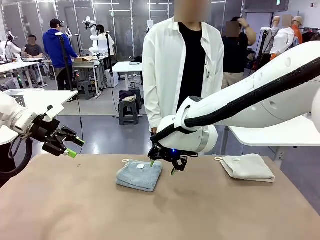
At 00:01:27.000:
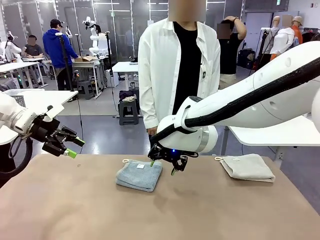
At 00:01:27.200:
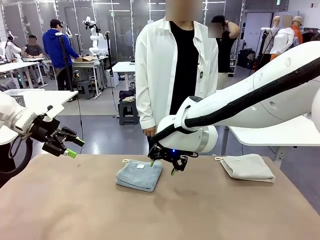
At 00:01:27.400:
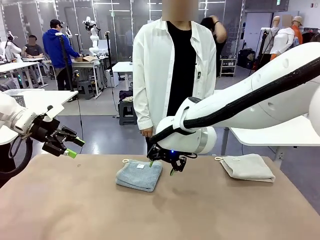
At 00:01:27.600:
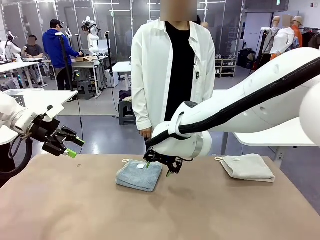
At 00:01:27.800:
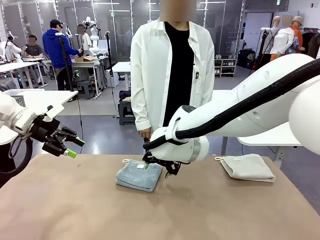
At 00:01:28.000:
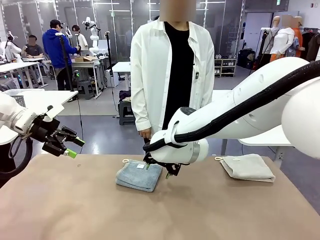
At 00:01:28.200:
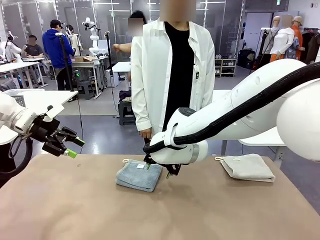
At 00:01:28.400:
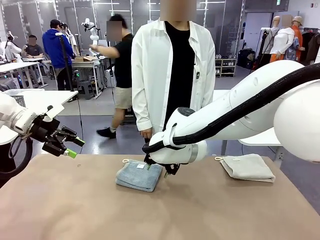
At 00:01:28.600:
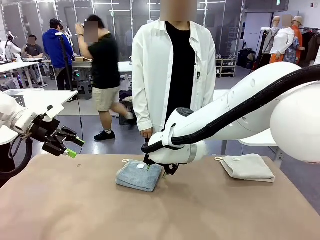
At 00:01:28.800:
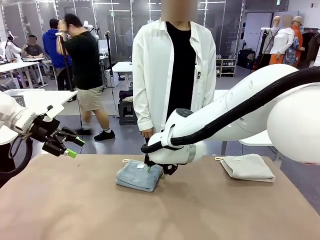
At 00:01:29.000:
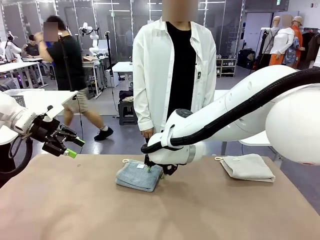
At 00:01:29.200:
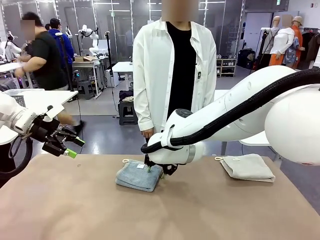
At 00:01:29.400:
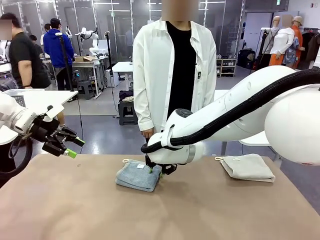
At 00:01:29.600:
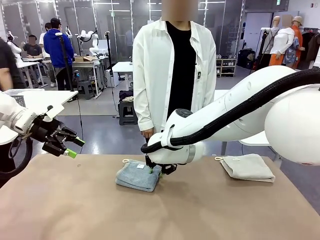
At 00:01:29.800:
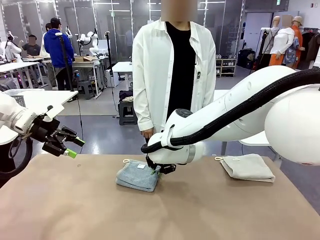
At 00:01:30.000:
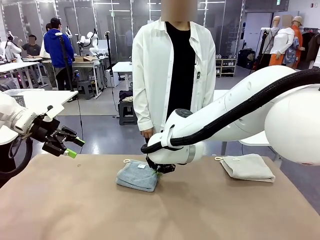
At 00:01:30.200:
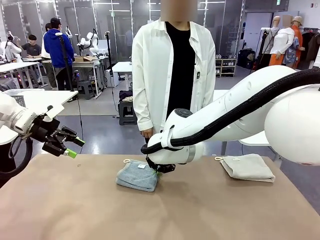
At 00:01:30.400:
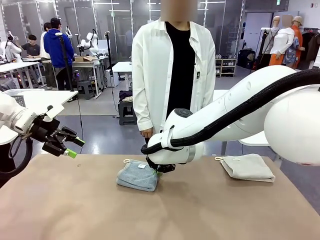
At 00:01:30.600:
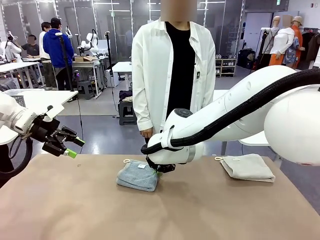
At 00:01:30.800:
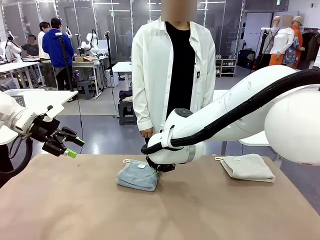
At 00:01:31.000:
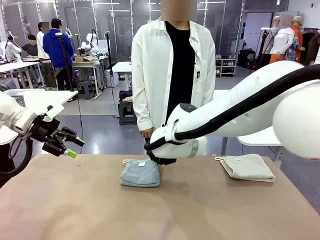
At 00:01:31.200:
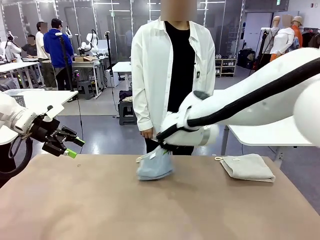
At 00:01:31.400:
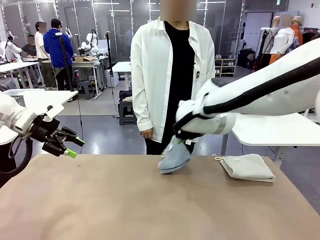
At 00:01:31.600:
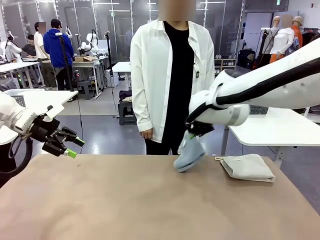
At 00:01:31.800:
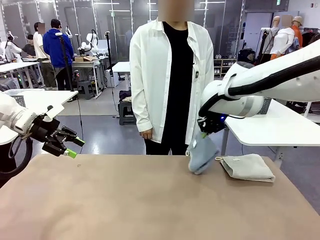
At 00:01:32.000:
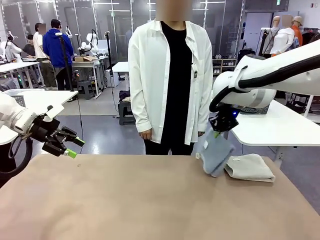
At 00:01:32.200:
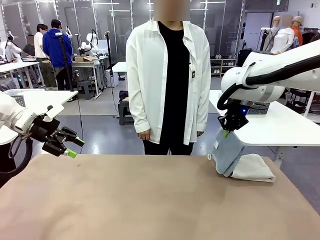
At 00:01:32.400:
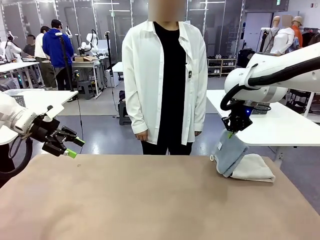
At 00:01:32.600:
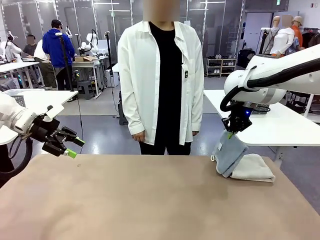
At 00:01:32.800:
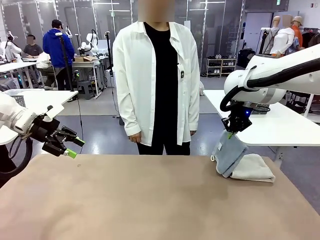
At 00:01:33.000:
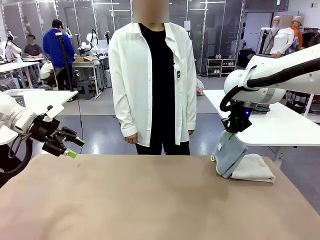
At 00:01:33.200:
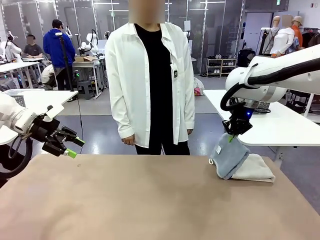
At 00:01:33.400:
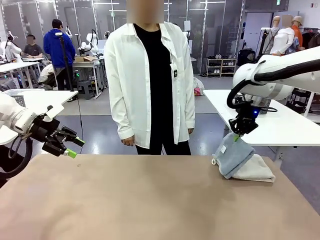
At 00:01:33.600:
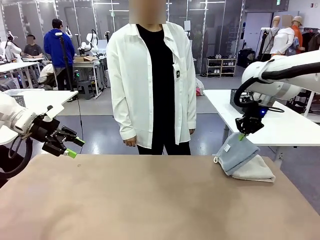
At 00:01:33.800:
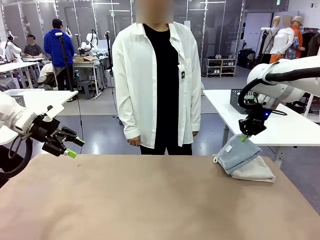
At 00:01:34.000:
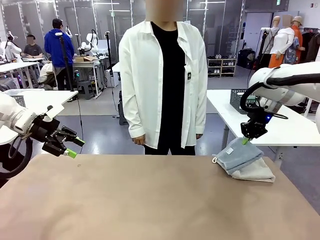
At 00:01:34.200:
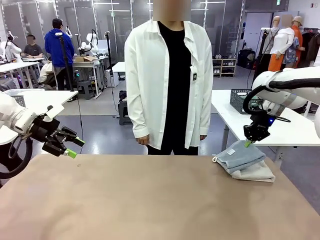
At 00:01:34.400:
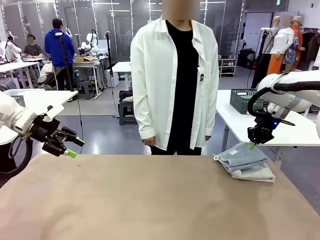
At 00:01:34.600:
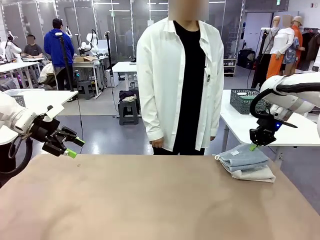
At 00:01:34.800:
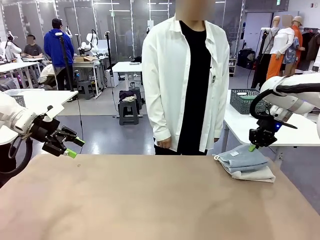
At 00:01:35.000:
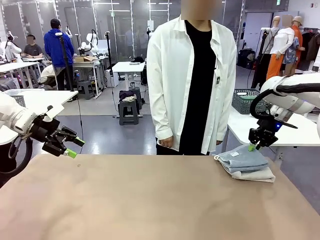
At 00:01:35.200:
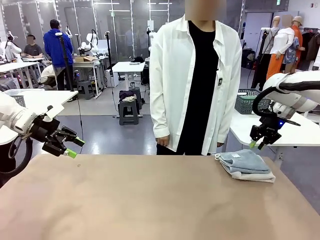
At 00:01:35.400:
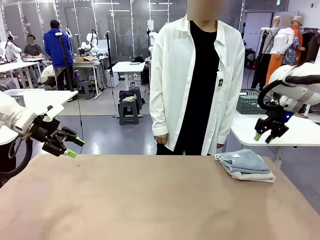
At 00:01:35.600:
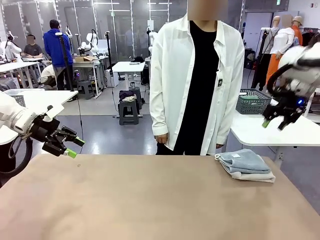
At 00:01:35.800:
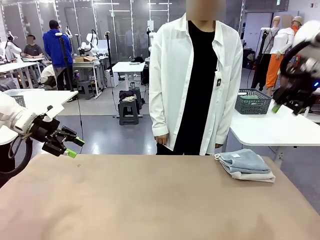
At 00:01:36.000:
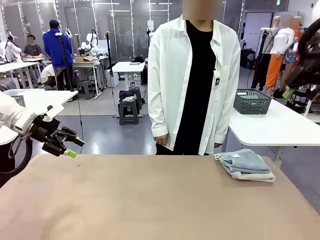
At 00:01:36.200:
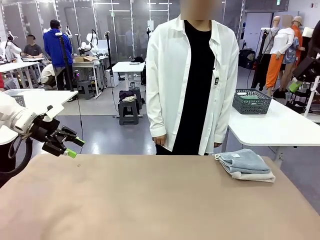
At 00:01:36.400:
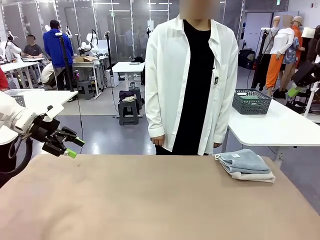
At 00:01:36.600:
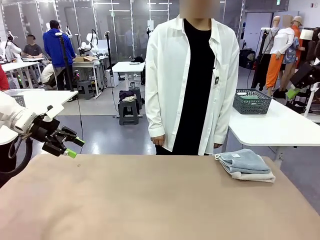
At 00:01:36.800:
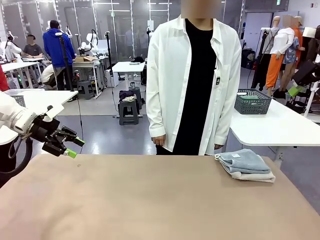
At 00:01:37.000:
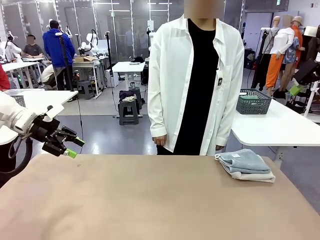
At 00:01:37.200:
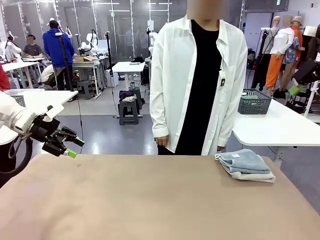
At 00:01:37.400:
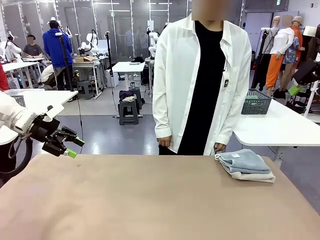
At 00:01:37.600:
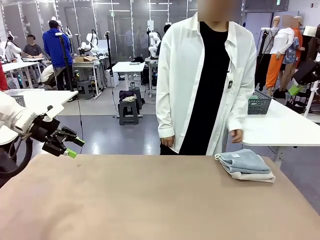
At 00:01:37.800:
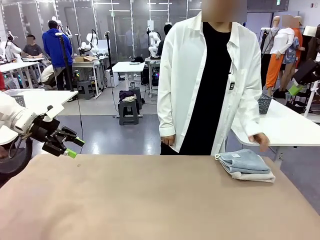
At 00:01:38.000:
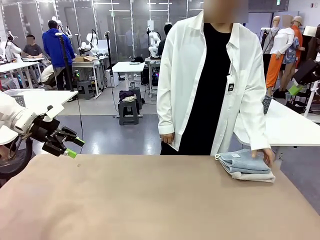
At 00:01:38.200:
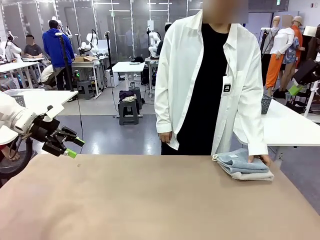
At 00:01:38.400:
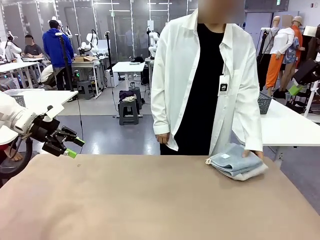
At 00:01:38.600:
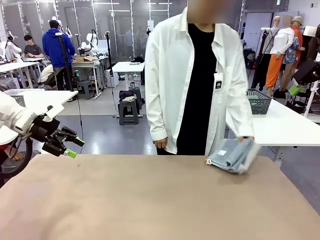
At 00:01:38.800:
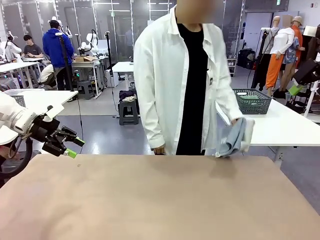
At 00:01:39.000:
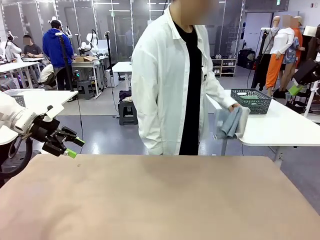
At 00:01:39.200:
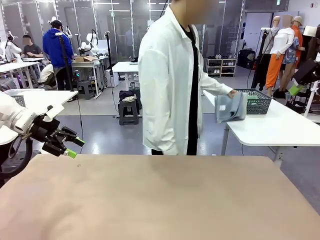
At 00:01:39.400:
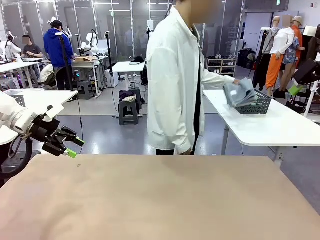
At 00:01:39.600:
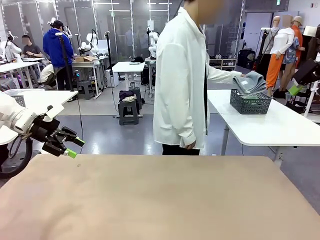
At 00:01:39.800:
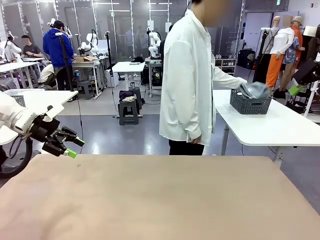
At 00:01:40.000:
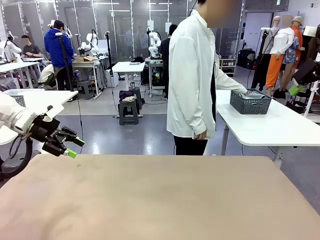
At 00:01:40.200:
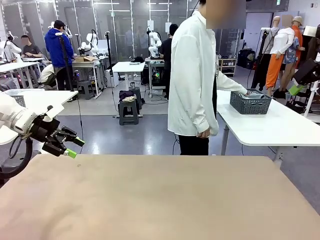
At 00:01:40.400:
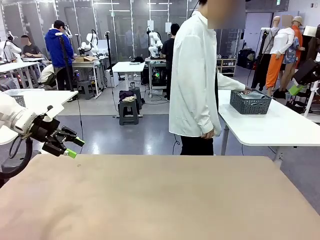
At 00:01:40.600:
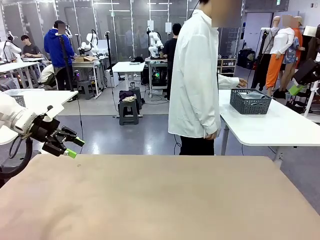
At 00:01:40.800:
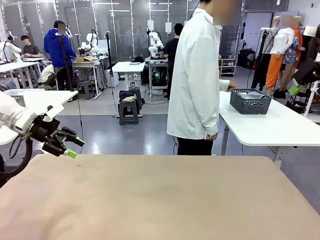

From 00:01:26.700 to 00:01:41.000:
Task: Fold the towels and place them in the basket.
Robot: Stack the folded Towel with hook on the right side of the table.
Person: Pick up the stack of towels from the robot table and place it into the basket.

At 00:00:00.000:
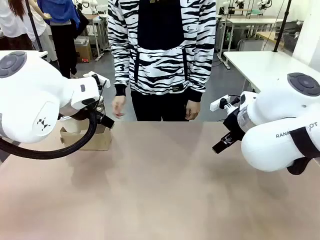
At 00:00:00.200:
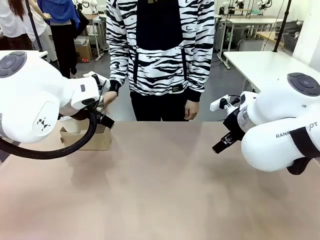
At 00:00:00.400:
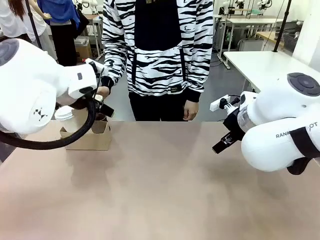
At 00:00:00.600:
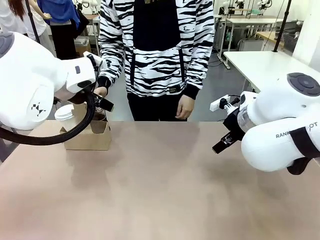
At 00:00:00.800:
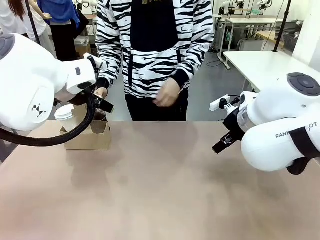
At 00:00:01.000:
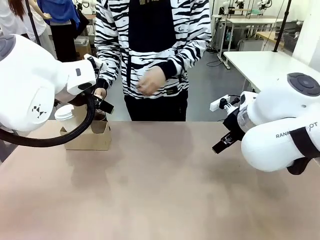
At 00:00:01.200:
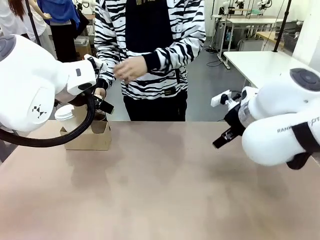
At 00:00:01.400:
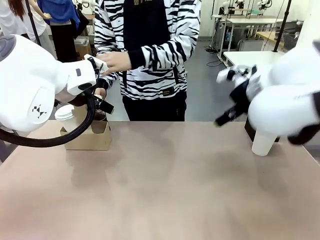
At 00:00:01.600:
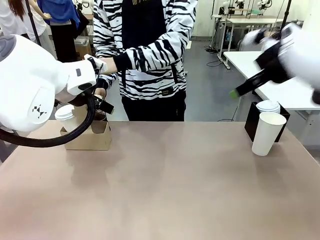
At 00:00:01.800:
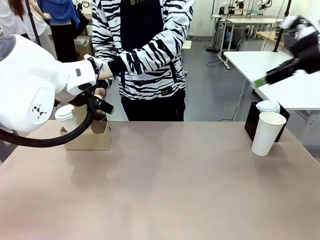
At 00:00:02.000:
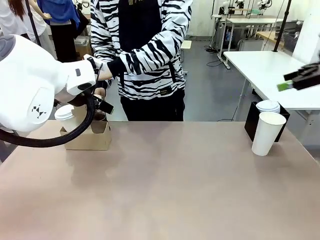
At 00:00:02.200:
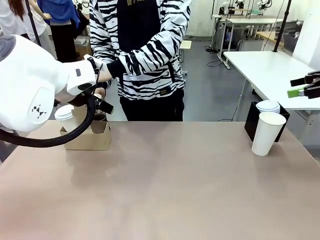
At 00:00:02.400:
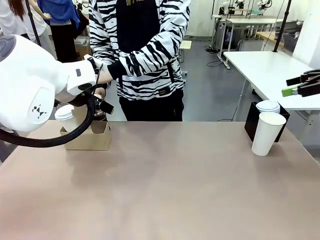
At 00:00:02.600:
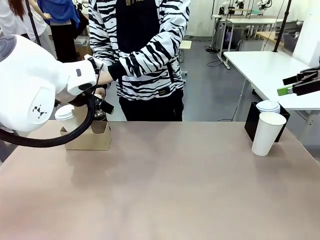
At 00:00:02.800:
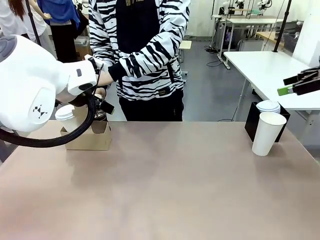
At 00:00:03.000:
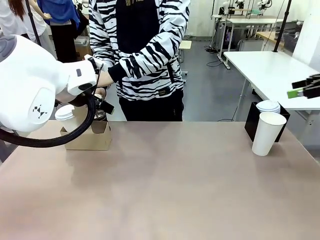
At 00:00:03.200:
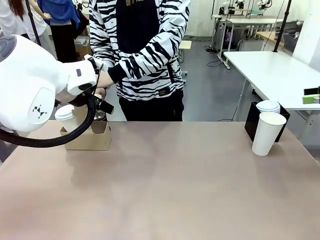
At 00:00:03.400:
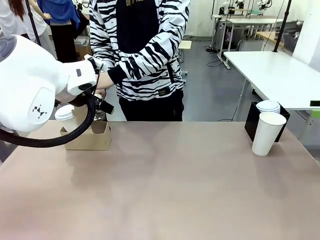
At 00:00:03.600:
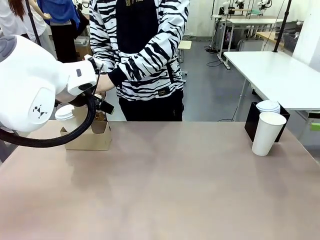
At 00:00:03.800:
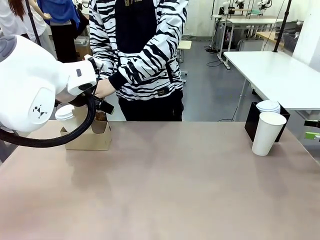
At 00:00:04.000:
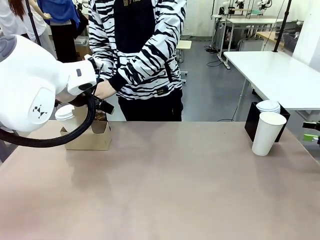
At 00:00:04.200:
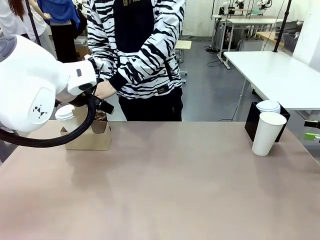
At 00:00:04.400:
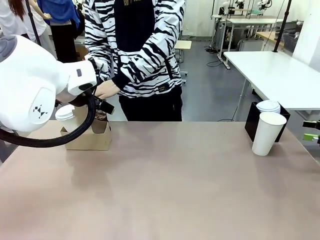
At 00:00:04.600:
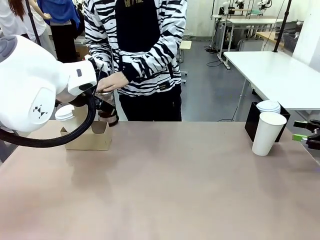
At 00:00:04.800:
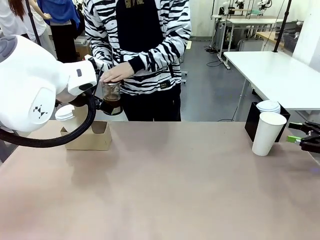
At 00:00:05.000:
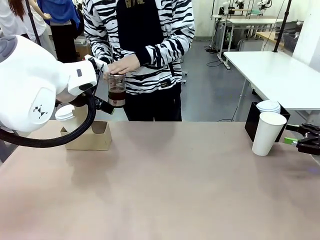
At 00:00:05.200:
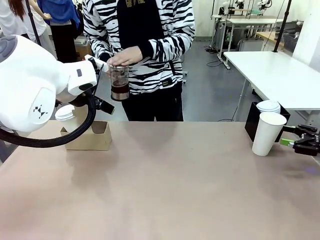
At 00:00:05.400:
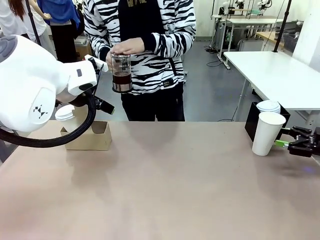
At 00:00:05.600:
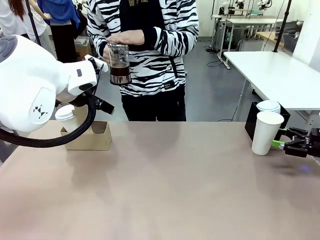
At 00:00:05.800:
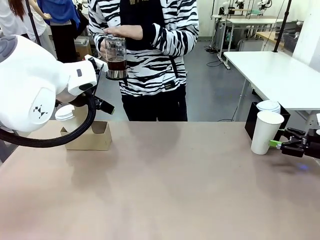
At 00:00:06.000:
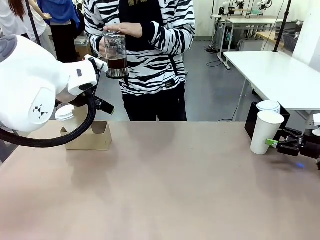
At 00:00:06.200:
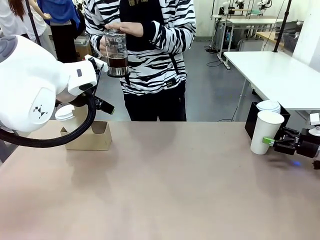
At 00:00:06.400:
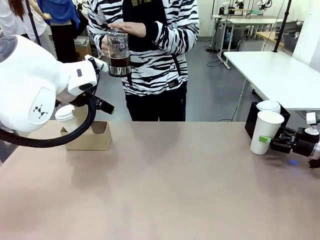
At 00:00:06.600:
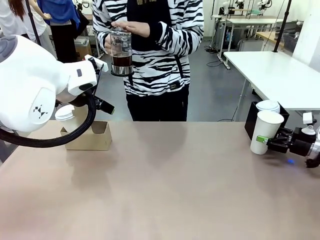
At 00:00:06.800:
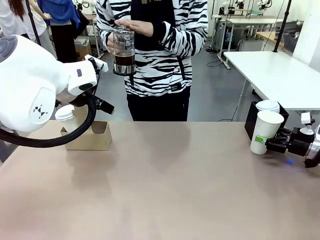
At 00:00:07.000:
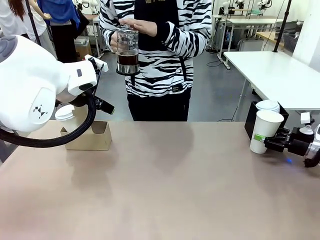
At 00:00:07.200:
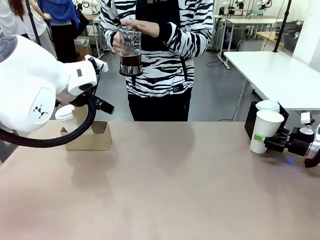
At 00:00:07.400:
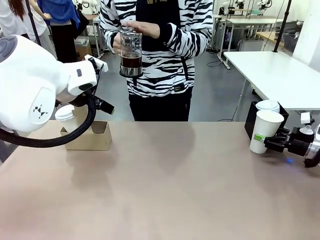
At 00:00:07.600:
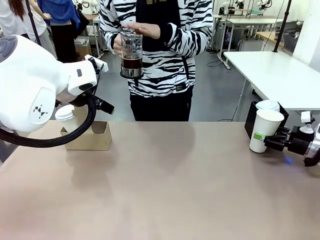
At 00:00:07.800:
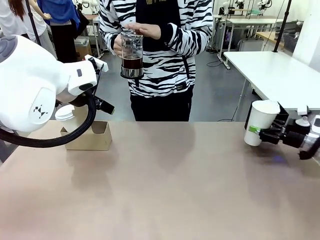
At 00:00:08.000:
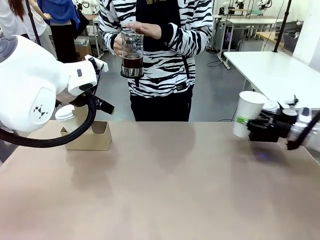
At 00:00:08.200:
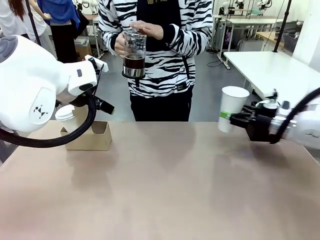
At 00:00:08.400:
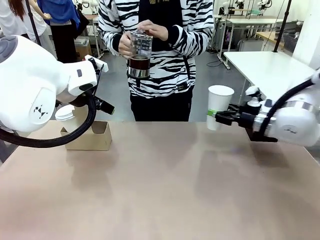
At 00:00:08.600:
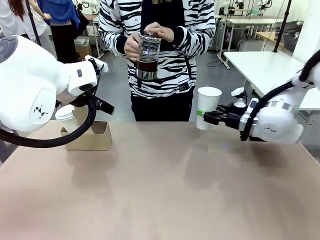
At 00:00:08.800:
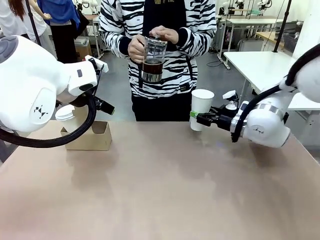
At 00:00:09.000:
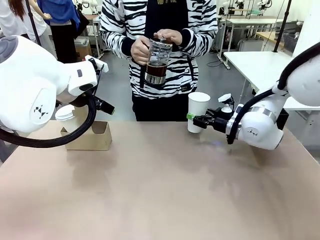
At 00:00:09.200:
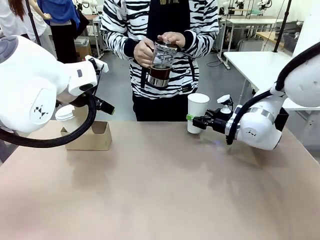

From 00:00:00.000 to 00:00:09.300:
Task: Pour a drink into a cup and package it in a carrier.
Robot: Pick up the 600 ml Paper Cup and place it in the middle top area of the table.
Person: Press and pick up the Filter Brewing.
